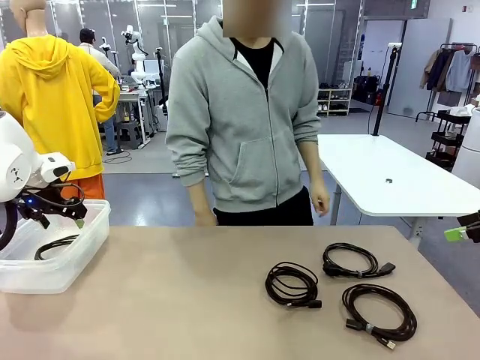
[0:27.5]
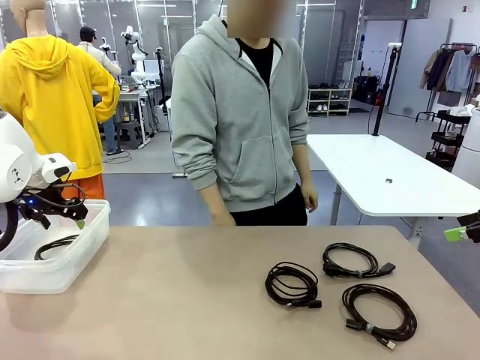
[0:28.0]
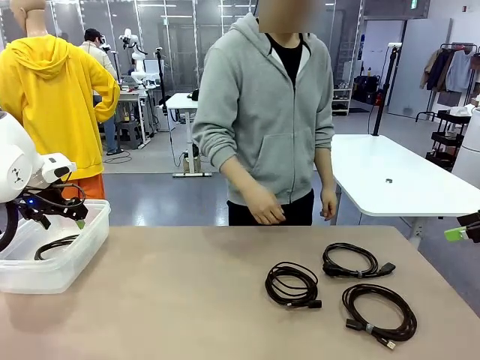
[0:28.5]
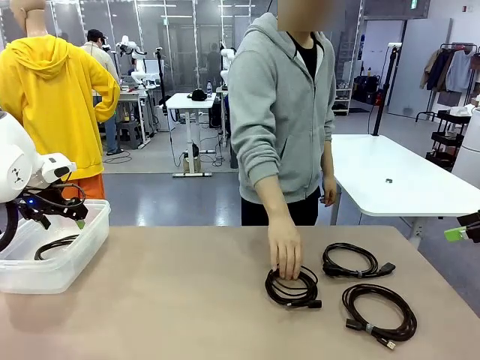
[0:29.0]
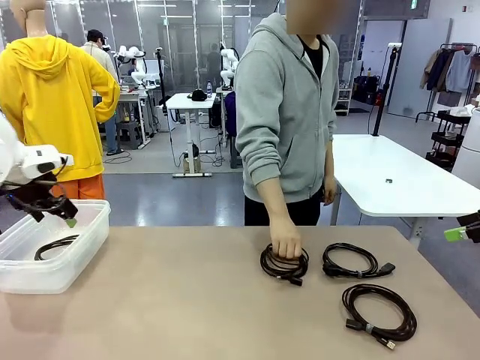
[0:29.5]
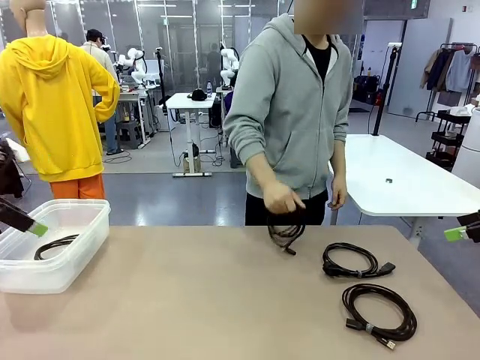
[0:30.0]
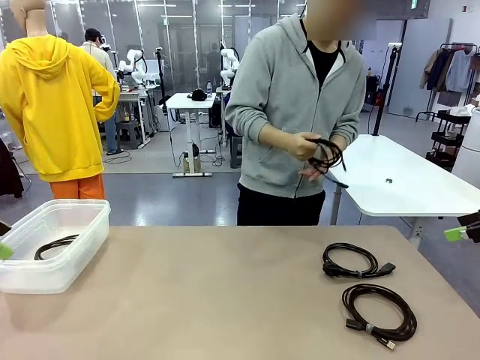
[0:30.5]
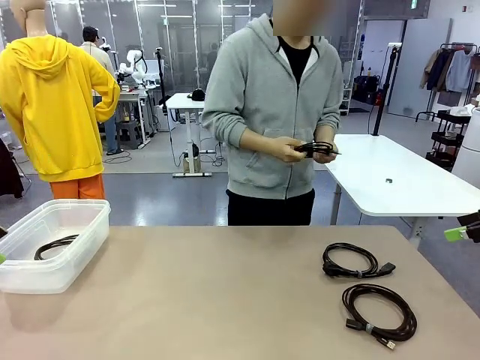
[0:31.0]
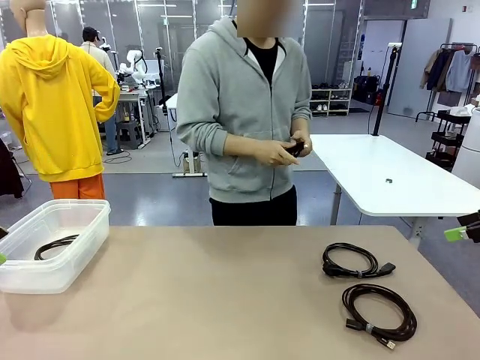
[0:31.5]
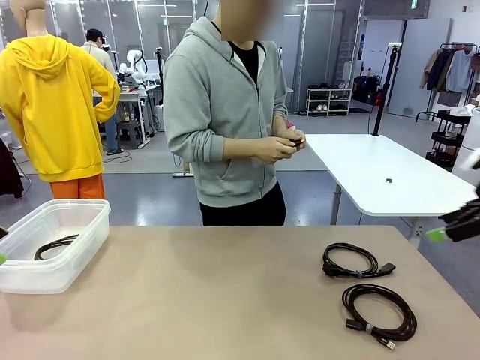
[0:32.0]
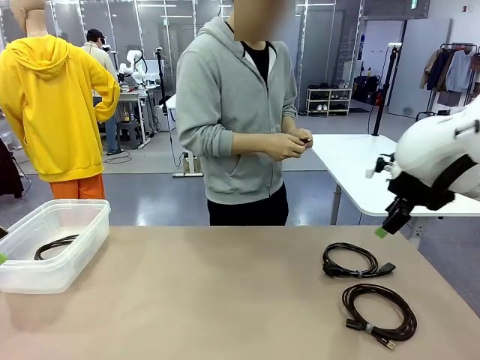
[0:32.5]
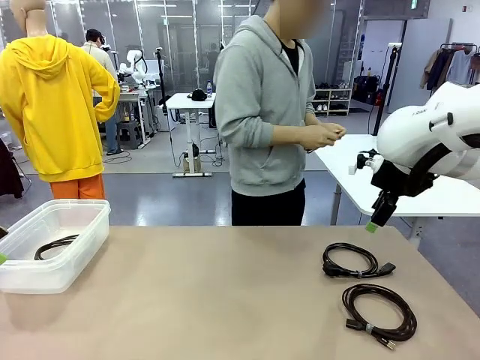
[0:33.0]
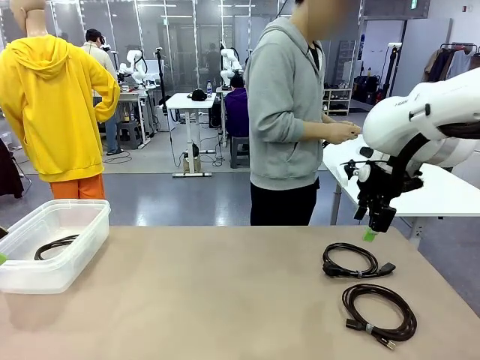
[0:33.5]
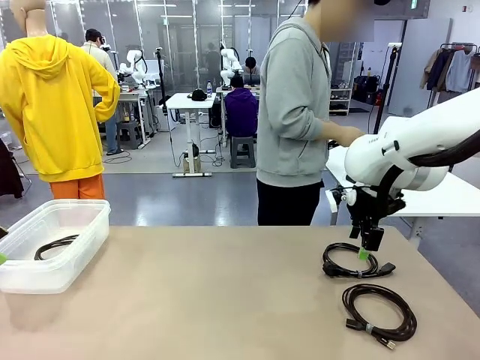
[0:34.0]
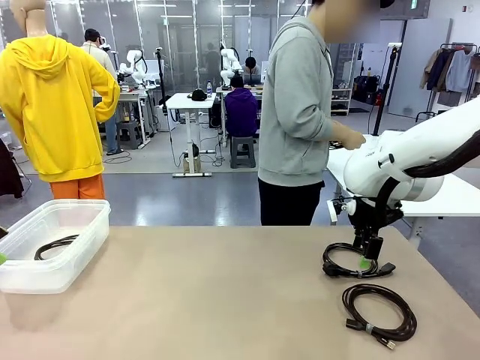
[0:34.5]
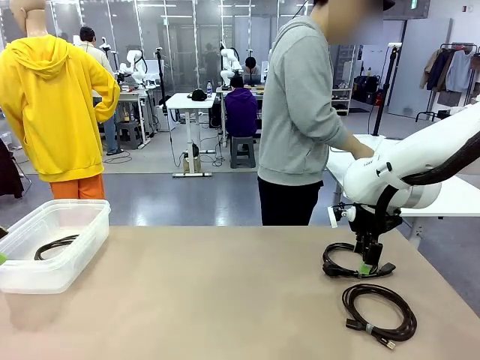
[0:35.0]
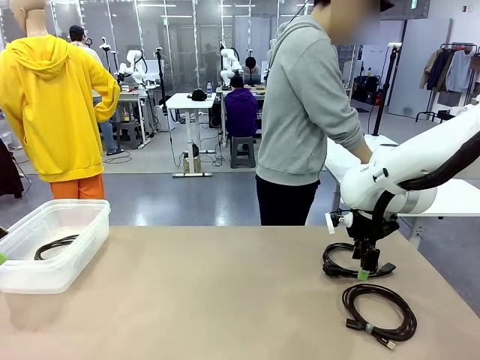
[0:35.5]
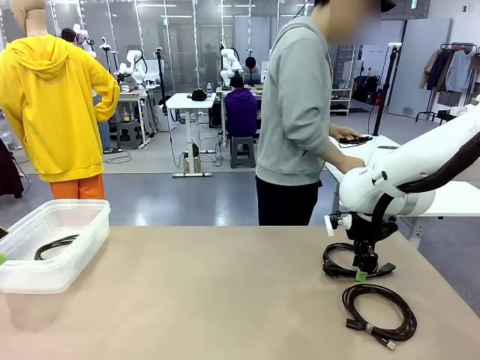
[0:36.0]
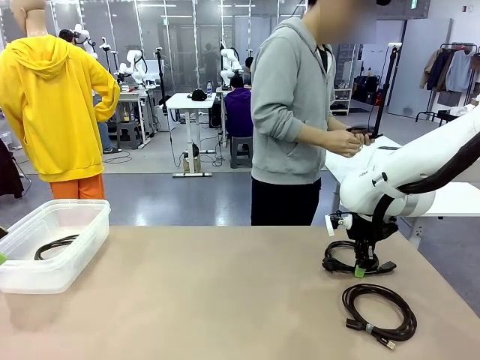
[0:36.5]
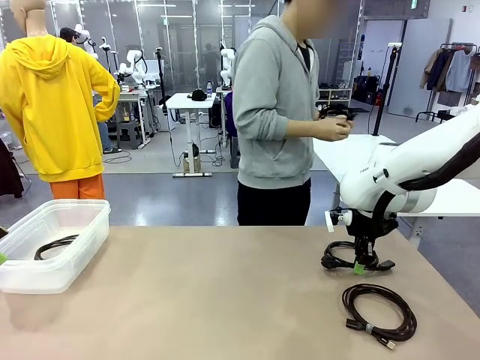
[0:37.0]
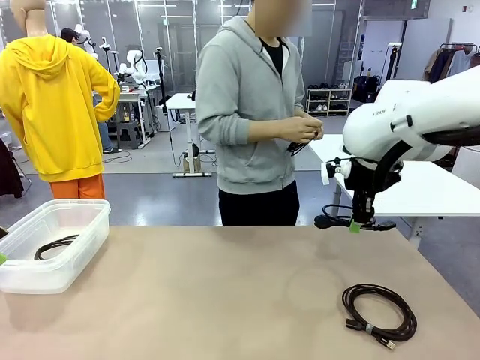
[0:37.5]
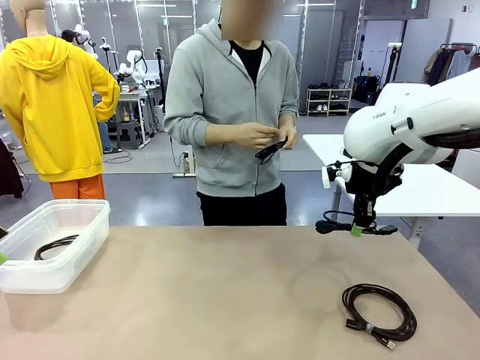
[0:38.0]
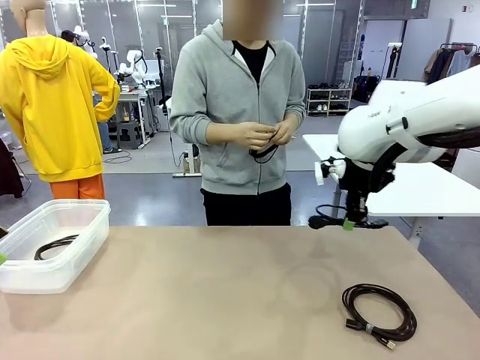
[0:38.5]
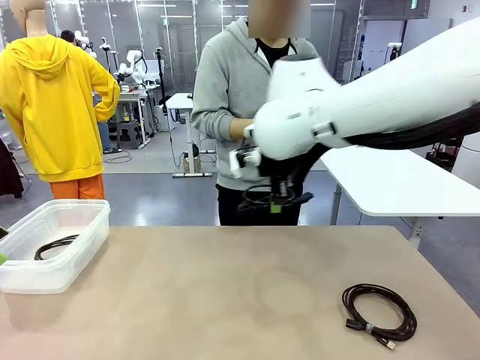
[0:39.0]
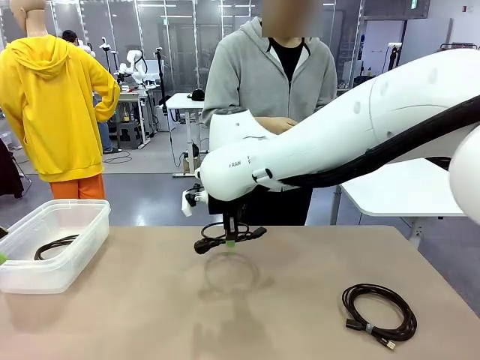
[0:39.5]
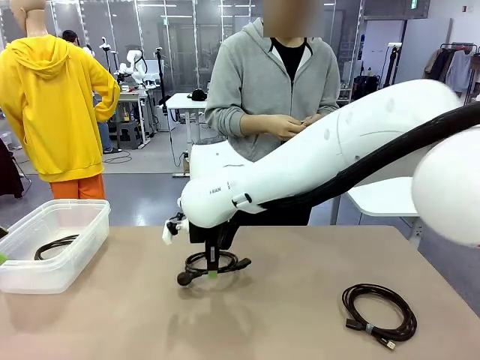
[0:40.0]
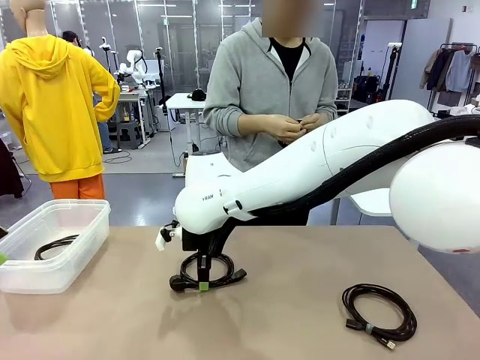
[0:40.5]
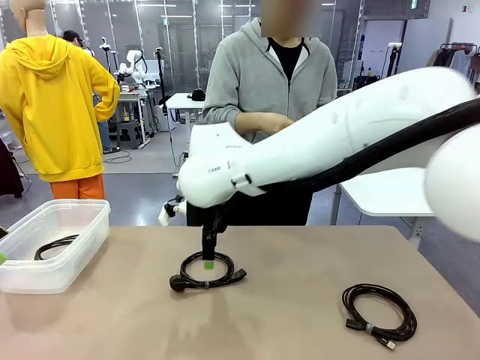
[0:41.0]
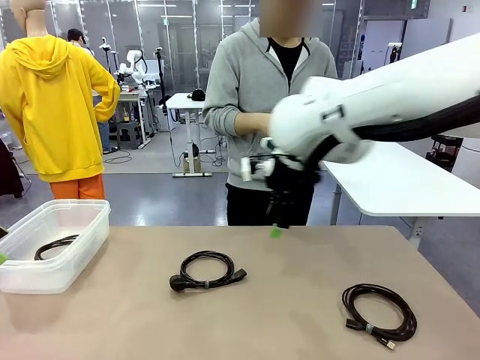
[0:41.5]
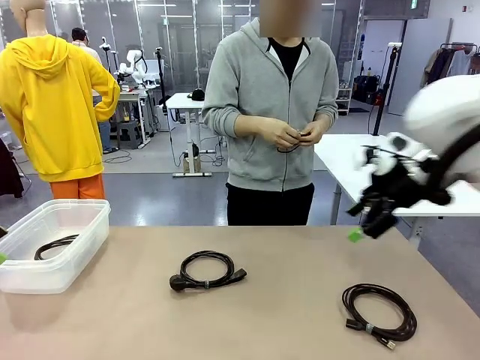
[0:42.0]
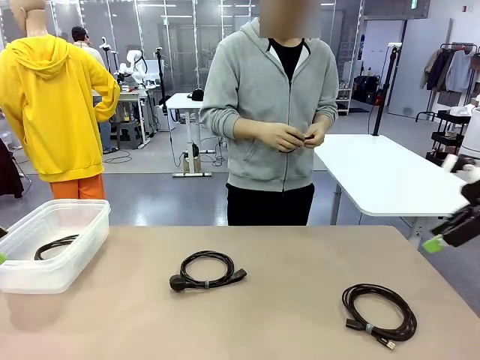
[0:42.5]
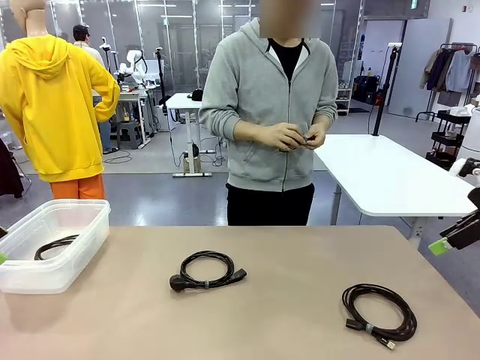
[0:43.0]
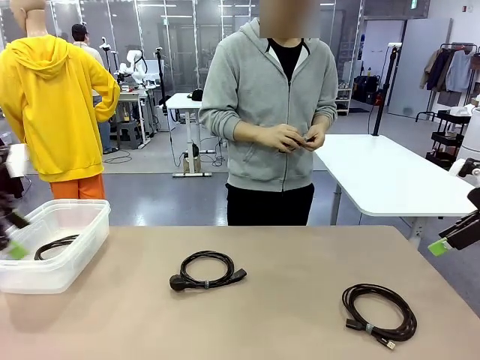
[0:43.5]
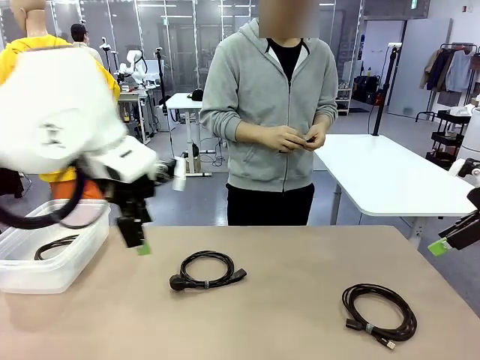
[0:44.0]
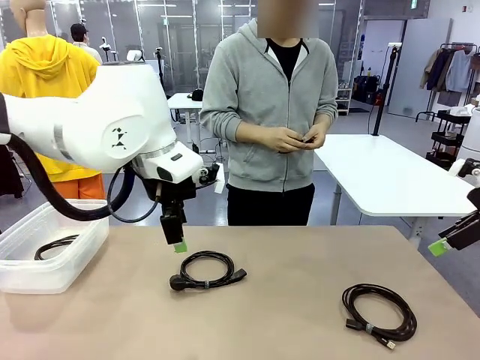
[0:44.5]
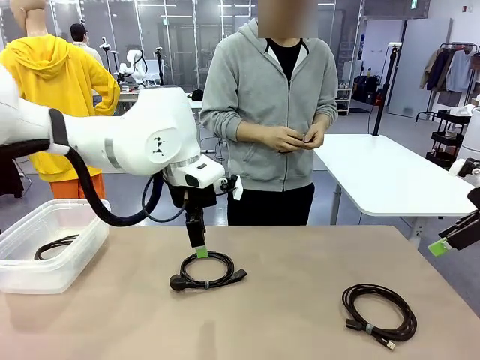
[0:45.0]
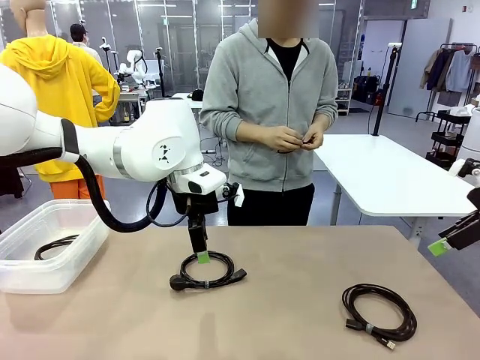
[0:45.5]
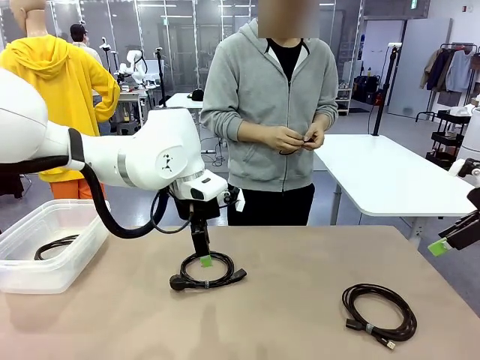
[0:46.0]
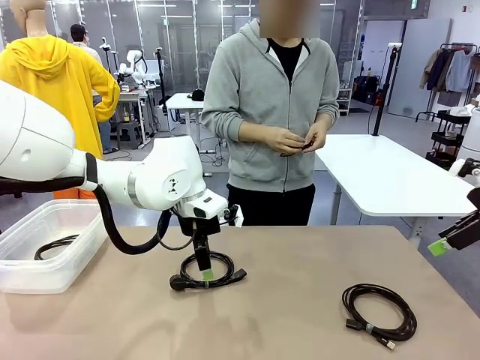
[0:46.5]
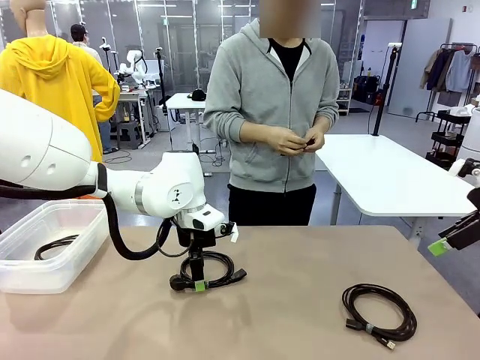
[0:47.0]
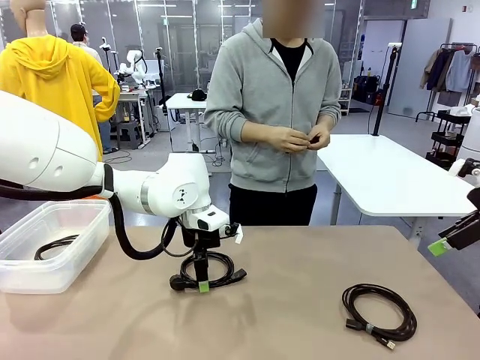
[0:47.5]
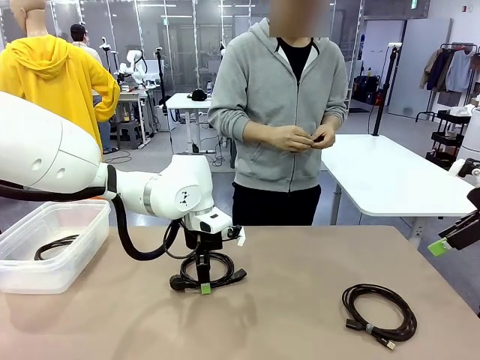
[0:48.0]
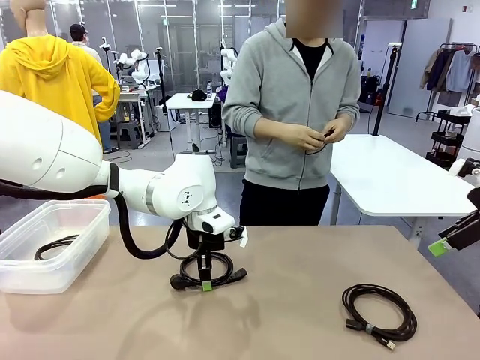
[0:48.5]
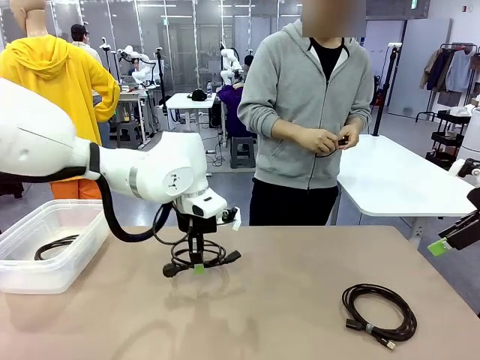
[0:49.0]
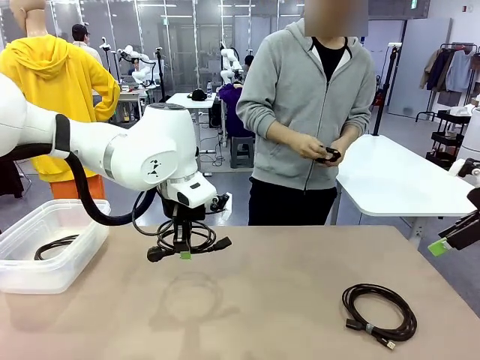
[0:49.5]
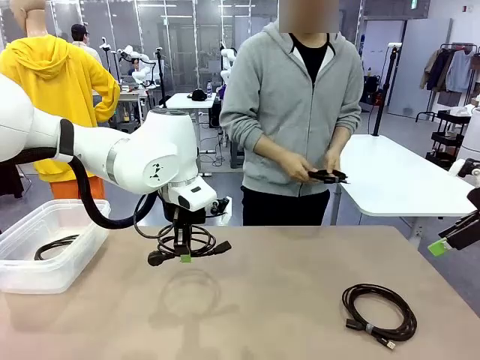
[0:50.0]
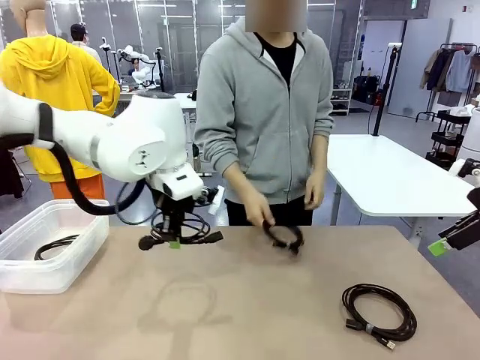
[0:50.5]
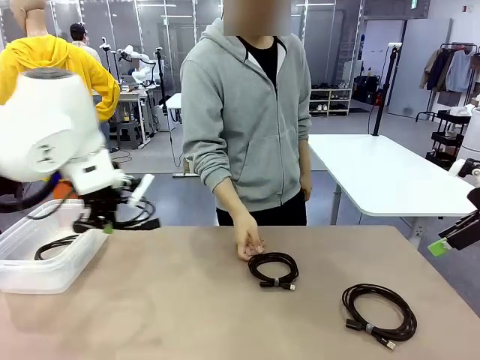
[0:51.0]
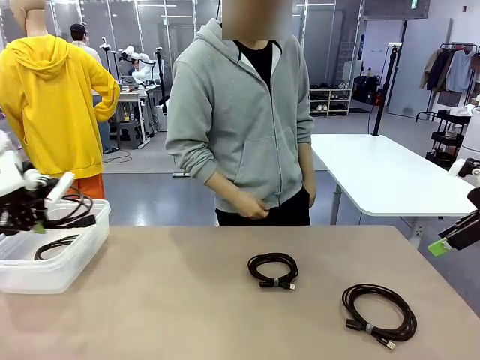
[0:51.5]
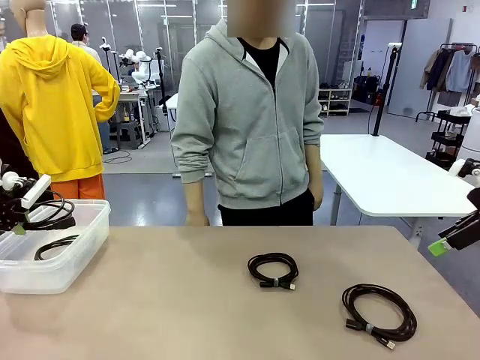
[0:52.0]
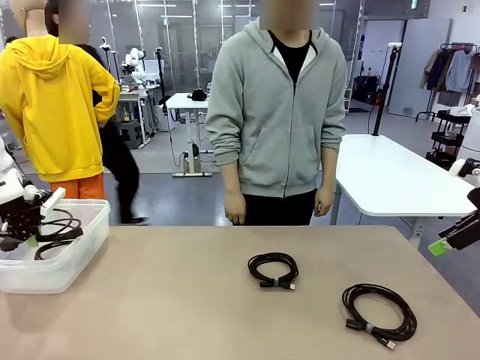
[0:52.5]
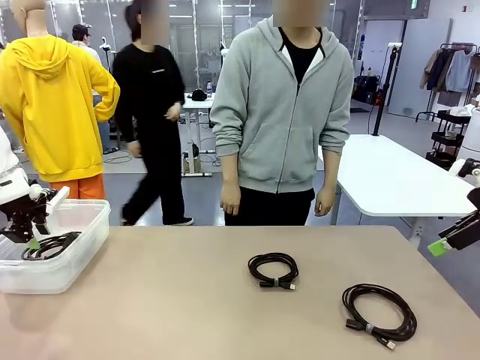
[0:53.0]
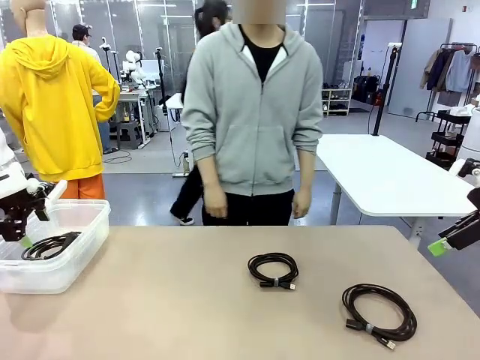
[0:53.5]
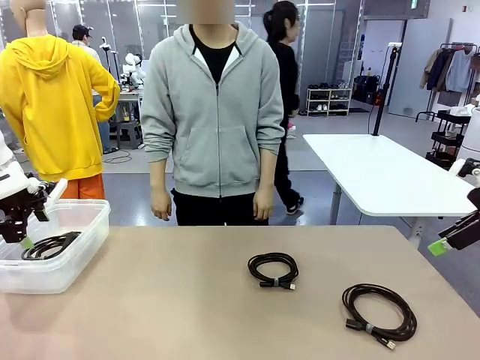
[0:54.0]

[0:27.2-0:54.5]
Task: Organize and store the cables.
Robot: Place the Power Cable into the Organizing box.
